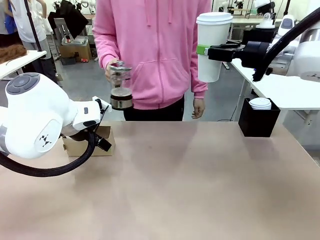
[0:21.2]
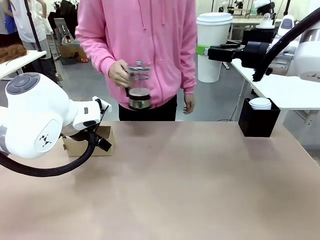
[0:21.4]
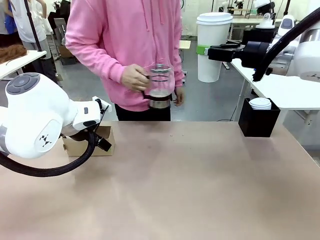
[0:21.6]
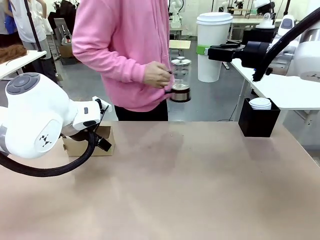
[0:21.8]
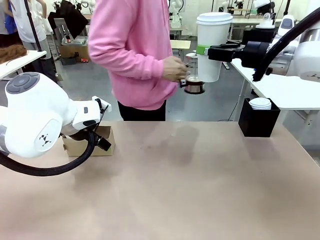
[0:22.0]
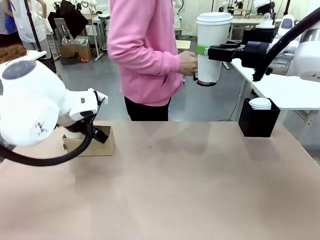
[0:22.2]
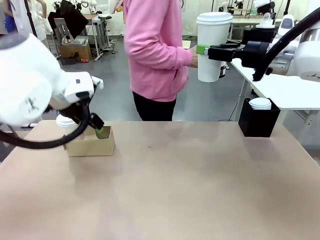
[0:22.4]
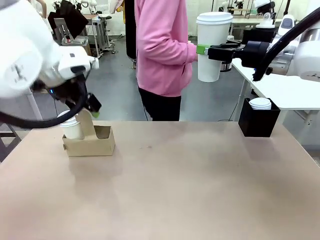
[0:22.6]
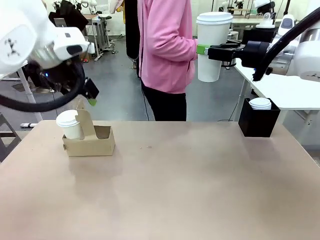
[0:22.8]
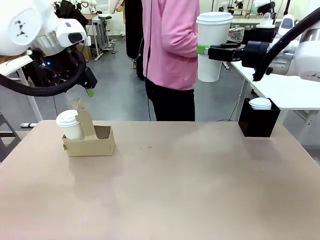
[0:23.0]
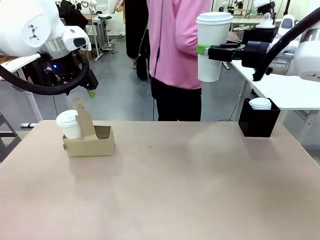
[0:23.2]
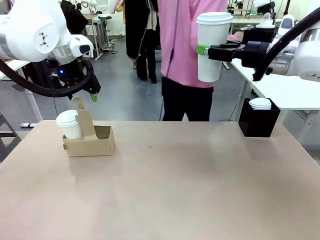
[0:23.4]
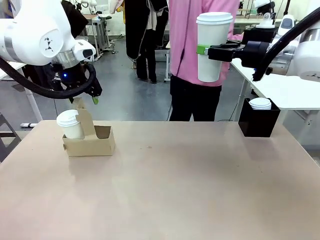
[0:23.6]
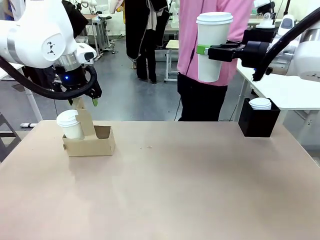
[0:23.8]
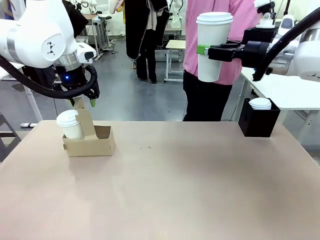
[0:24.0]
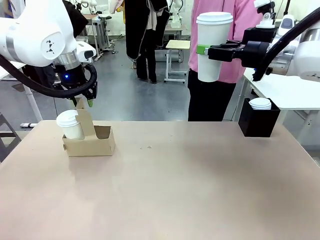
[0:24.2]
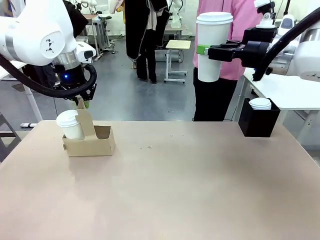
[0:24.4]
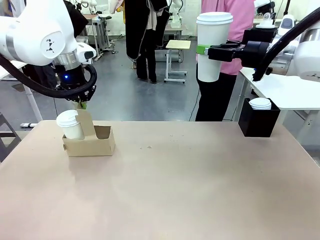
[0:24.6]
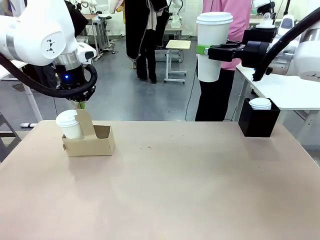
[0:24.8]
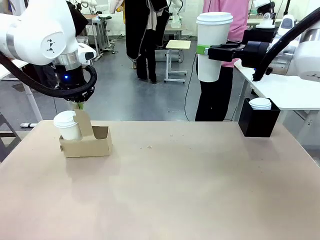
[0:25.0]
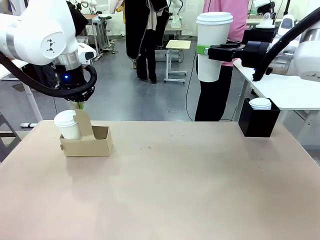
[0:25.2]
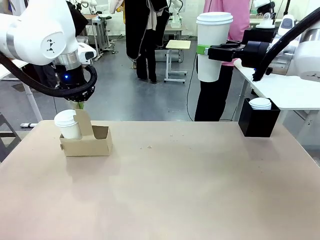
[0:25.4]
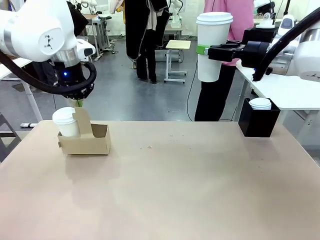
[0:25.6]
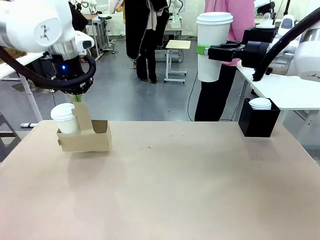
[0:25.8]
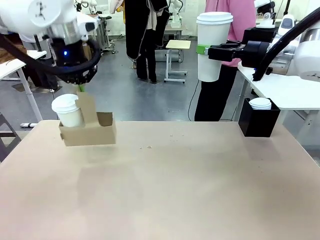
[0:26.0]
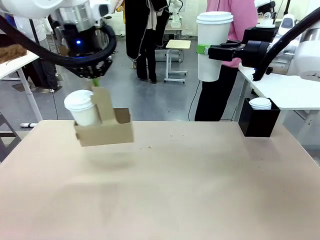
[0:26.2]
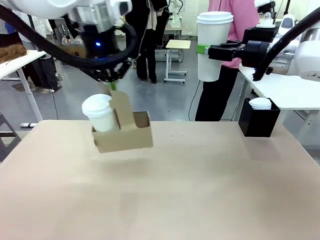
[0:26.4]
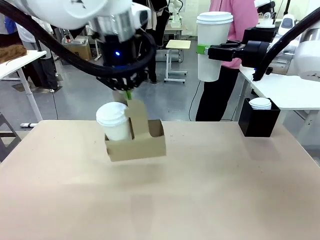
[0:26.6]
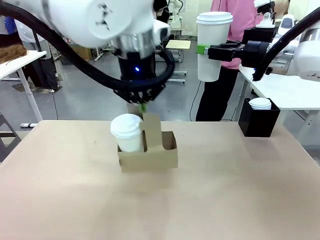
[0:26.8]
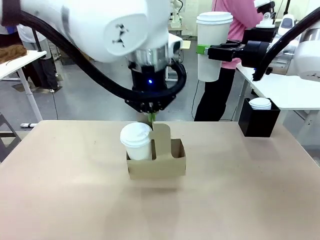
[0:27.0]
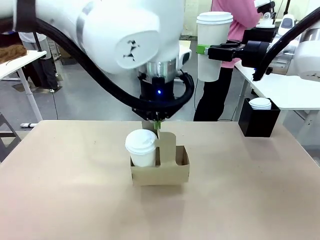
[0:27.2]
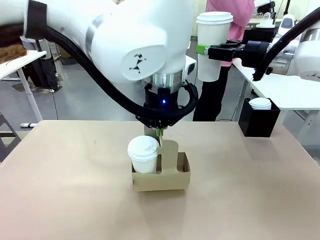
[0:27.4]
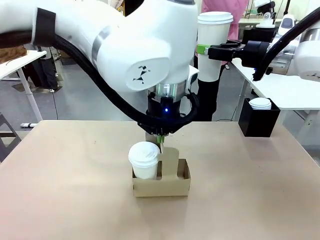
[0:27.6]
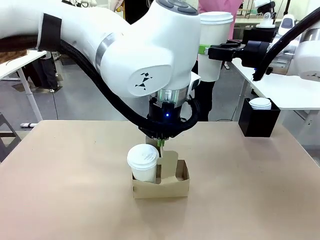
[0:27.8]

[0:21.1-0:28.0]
Task: Pour a drink into a cup and package it in a carrier.
Robot: Position the Cup Carrier in the center of the table.

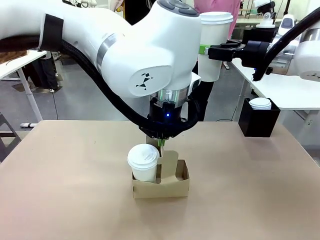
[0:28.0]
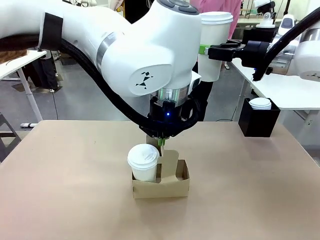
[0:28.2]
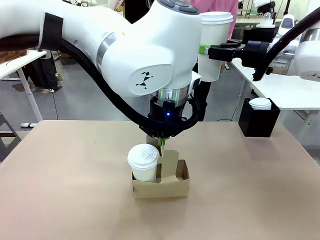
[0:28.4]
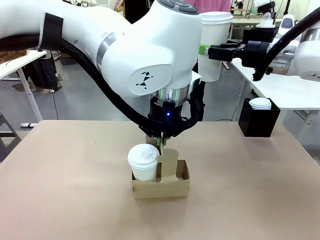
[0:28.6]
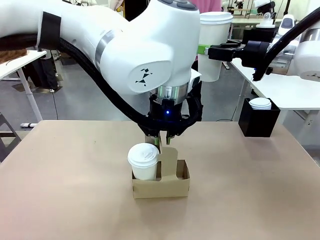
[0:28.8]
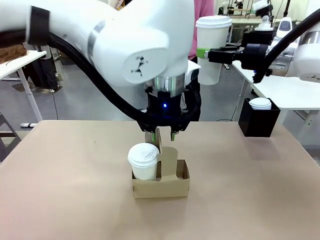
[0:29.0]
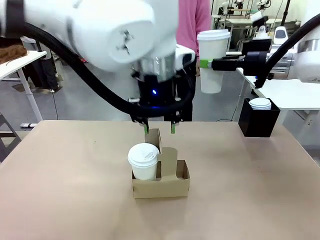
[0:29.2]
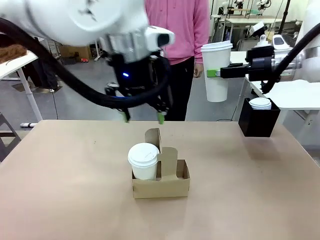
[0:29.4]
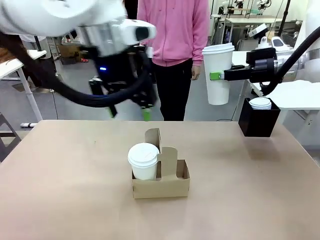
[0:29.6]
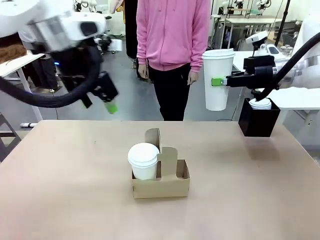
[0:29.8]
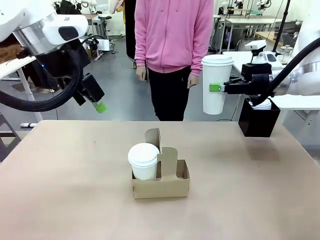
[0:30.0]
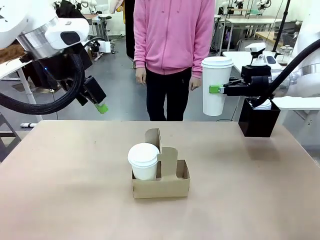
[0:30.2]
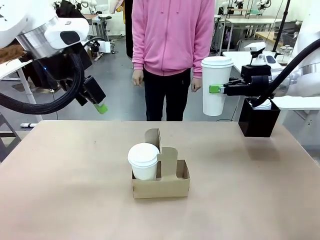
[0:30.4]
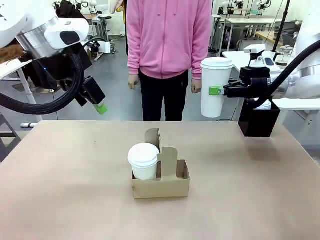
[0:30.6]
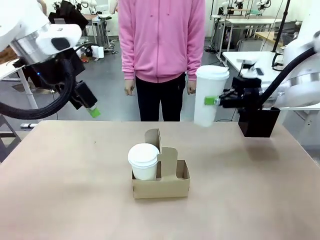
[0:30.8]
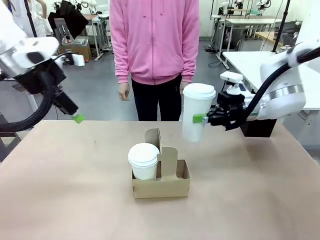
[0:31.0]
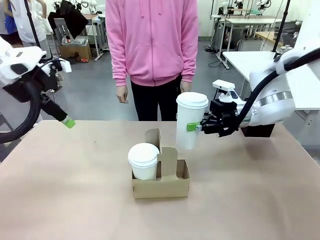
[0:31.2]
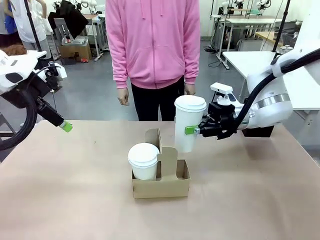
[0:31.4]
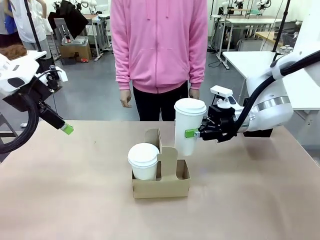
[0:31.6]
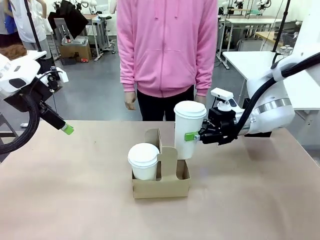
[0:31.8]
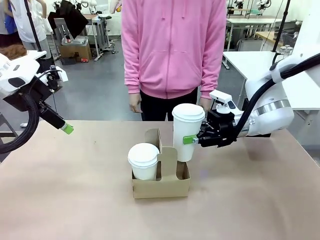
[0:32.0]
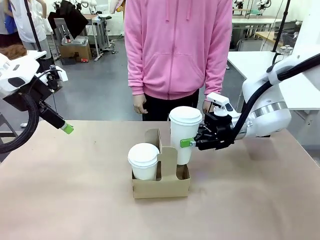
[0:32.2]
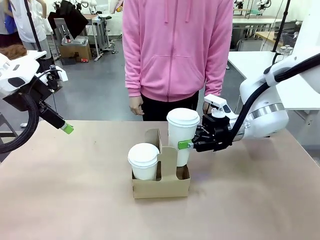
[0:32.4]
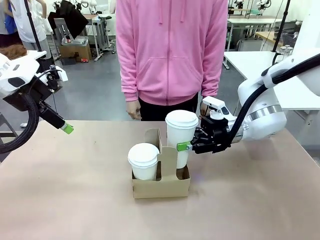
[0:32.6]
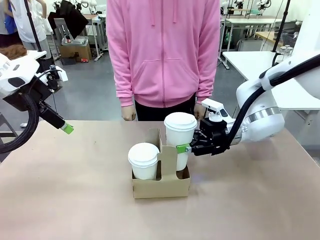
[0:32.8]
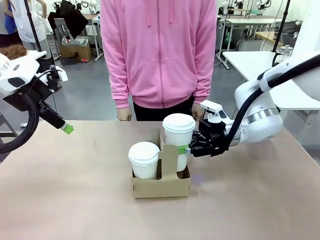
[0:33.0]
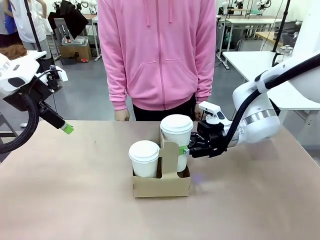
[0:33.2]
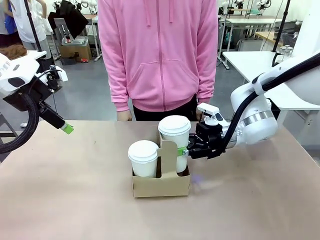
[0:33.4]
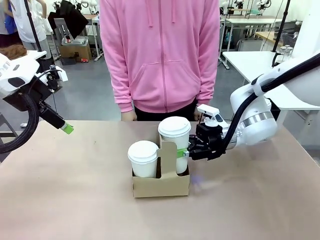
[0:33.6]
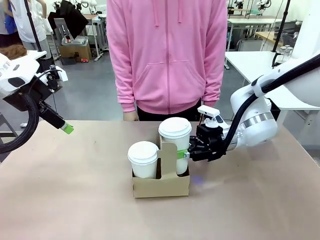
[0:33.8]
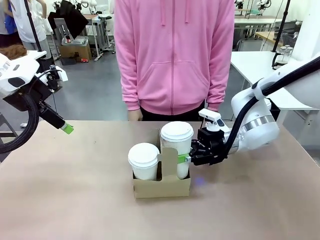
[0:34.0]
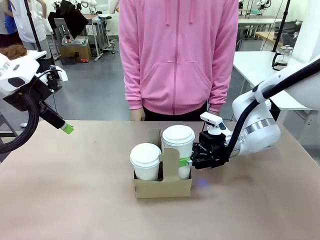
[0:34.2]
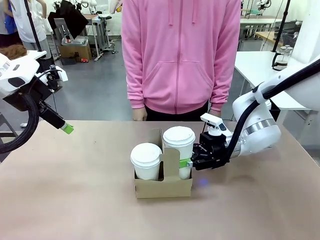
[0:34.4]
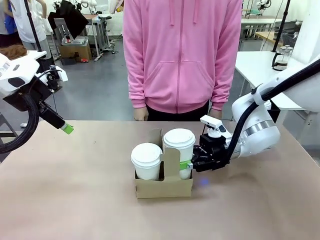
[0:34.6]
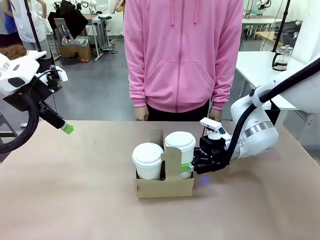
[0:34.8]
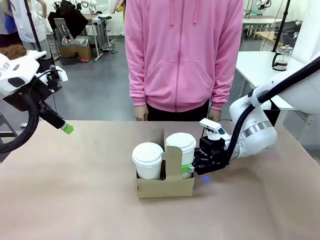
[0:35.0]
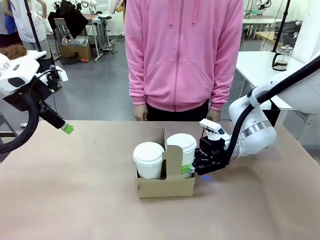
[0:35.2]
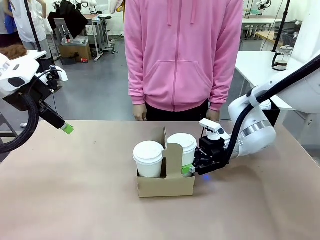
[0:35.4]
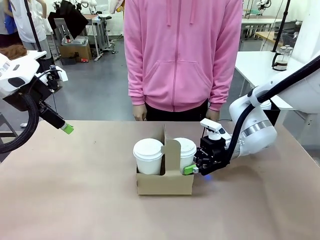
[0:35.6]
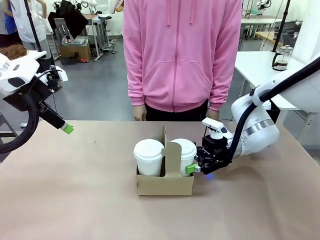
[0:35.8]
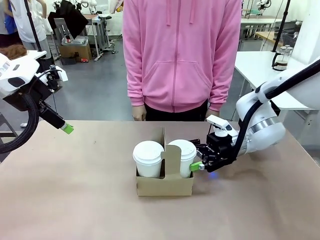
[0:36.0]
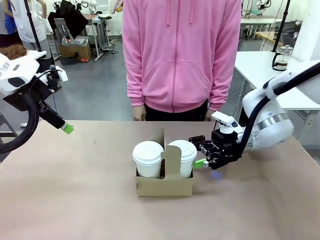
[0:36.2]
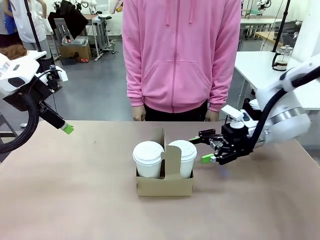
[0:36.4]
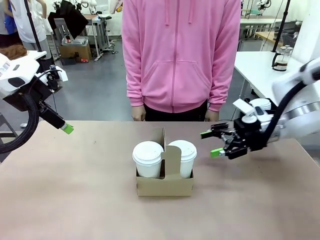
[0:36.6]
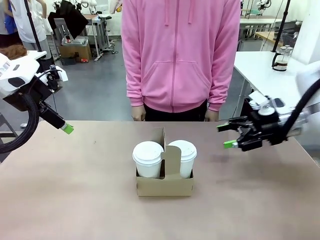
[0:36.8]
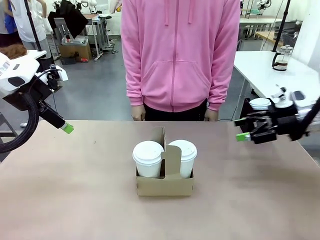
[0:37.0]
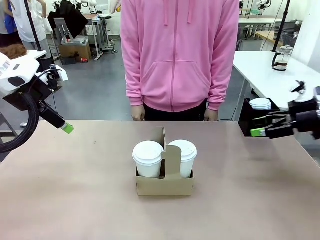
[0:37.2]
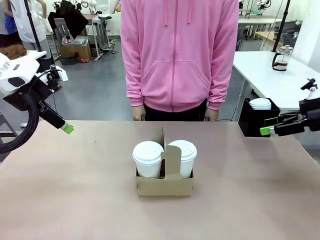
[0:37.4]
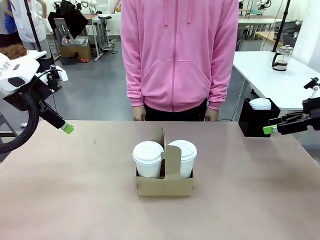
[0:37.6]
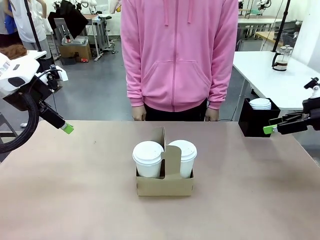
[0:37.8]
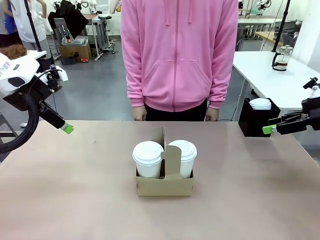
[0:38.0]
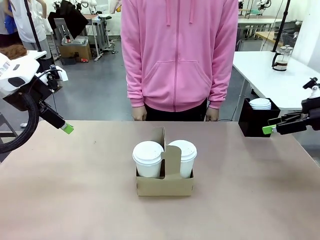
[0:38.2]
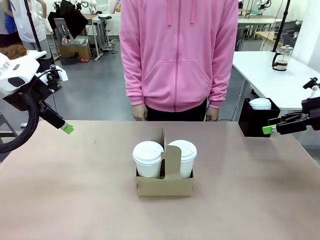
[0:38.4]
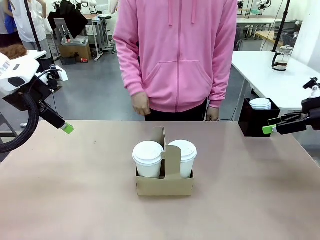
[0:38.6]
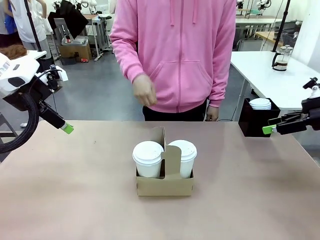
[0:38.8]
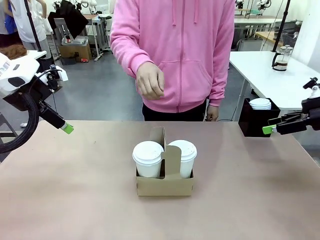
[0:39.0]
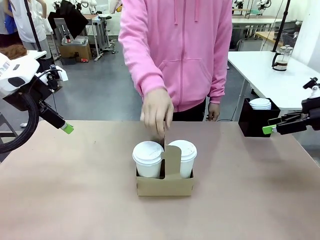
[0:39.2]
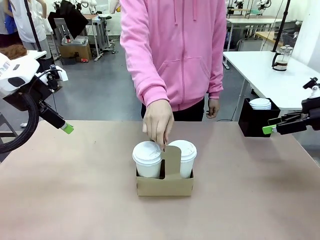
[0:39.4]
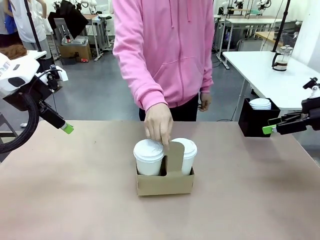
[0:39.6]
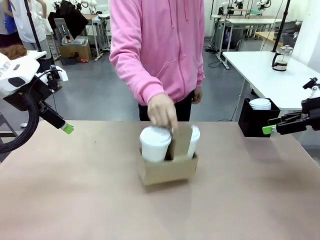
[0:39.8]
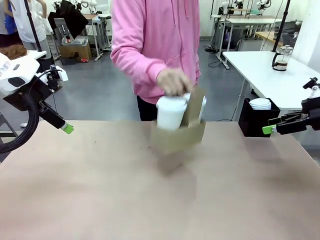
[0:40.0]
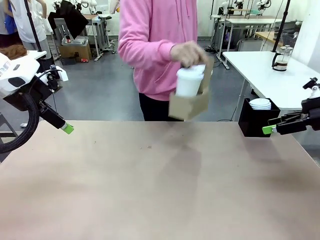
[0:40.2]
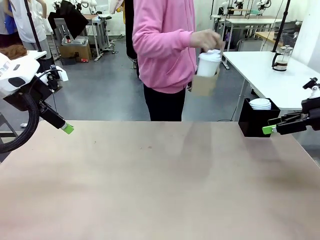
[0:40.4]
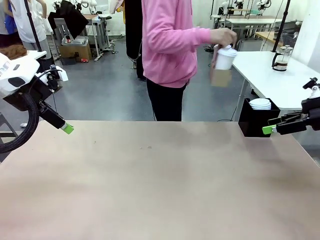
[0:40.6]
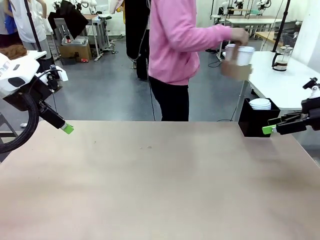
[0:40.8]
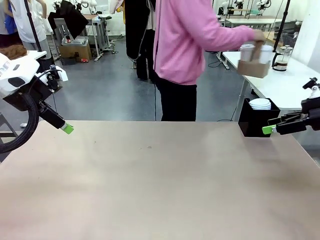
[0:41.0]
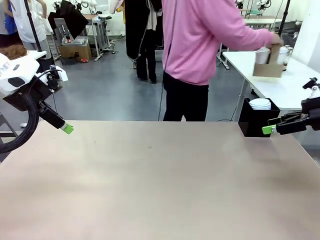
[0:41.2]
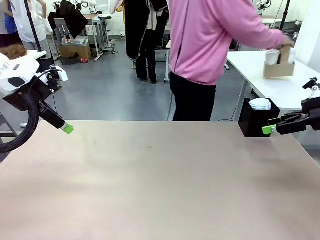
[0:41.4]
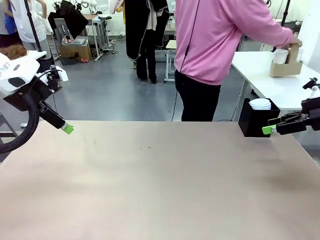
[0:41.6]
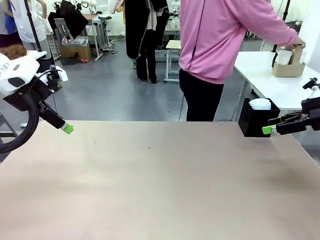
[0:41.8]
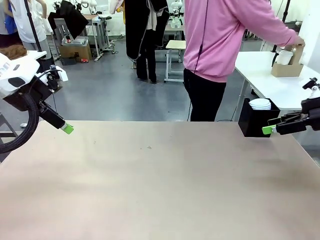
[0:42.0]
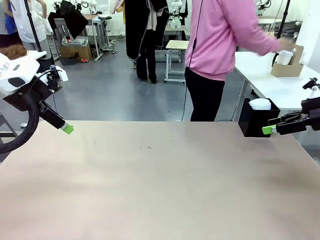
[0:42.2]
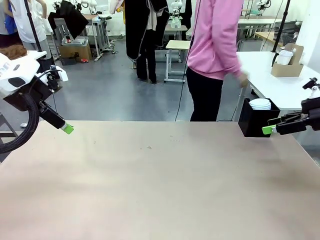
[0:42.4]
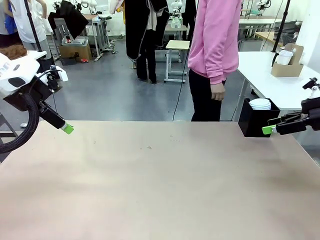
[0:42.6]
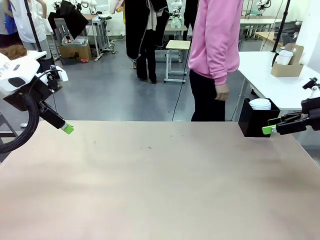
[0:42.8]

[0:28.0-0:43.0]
Robot: Insert the held 600 ml Paper Cup into the Cup Carrier.
Person: Place the Cup Carrier to the middle of Human table.
